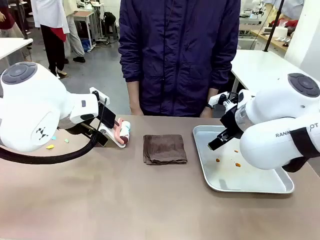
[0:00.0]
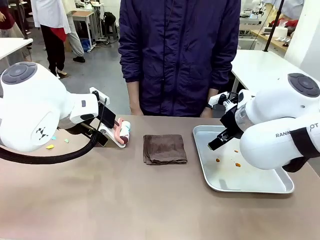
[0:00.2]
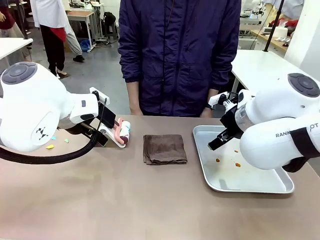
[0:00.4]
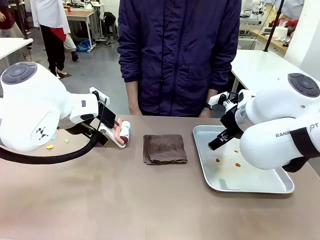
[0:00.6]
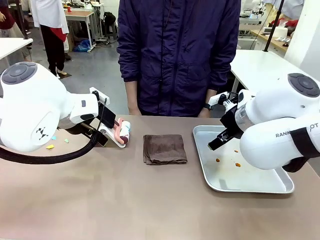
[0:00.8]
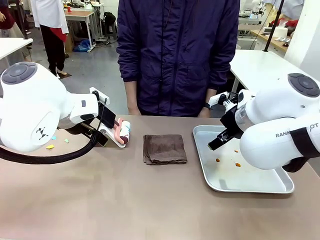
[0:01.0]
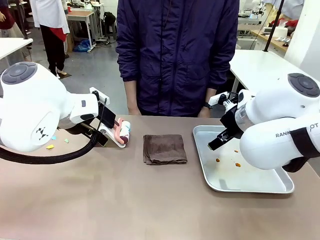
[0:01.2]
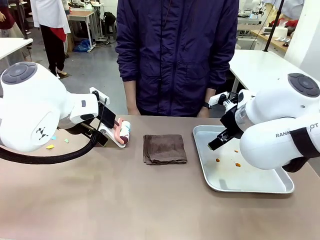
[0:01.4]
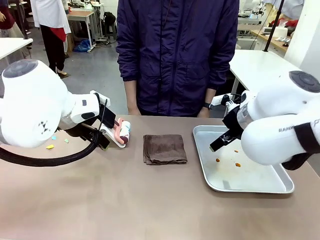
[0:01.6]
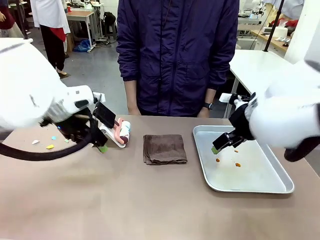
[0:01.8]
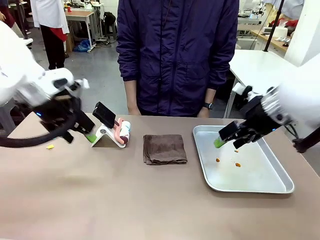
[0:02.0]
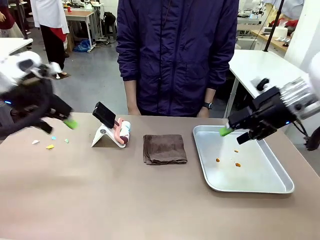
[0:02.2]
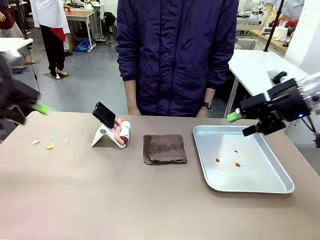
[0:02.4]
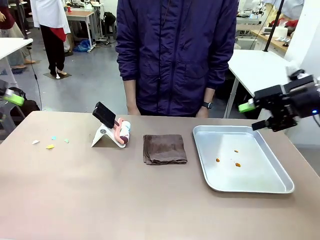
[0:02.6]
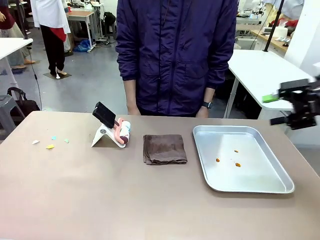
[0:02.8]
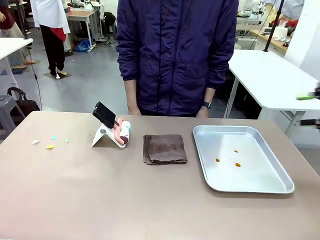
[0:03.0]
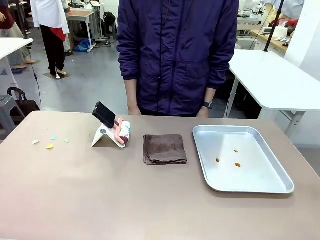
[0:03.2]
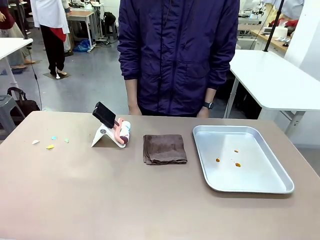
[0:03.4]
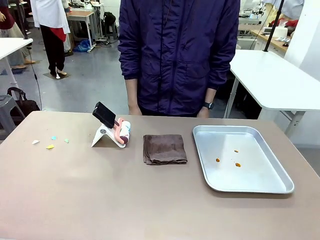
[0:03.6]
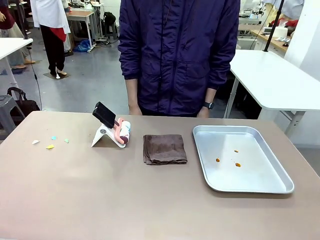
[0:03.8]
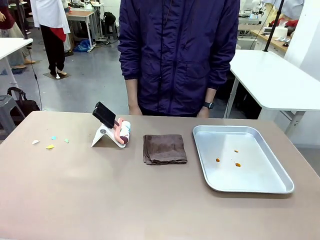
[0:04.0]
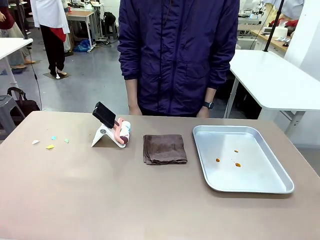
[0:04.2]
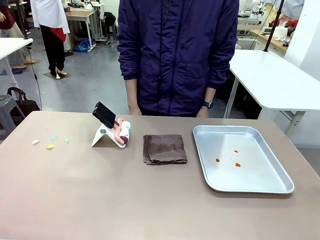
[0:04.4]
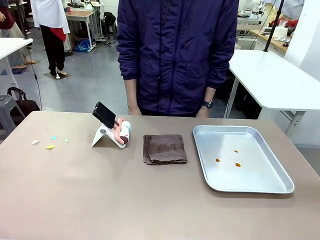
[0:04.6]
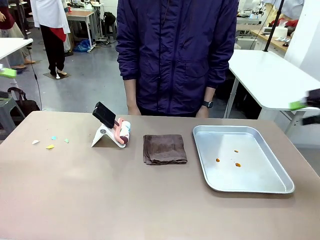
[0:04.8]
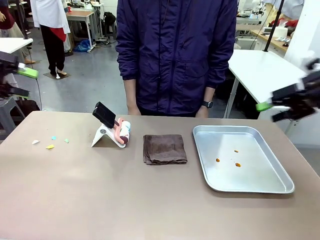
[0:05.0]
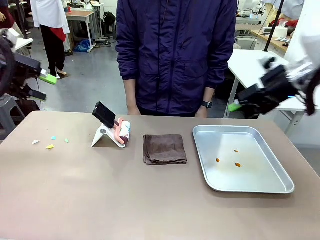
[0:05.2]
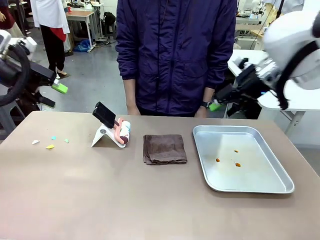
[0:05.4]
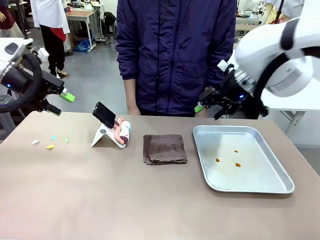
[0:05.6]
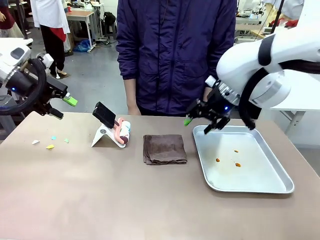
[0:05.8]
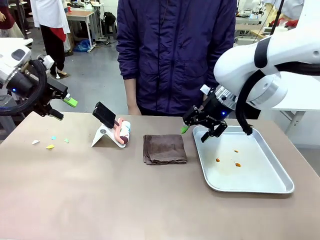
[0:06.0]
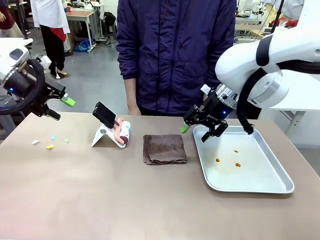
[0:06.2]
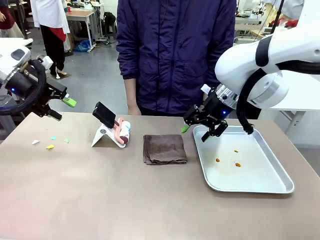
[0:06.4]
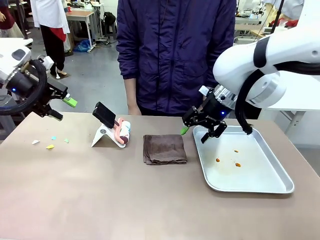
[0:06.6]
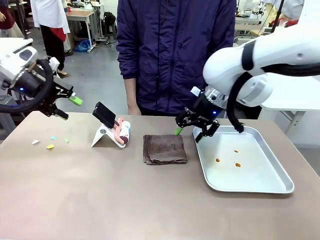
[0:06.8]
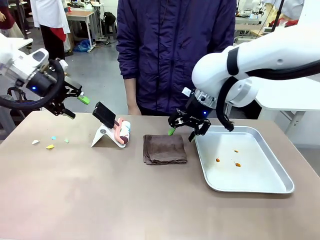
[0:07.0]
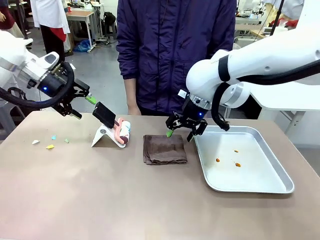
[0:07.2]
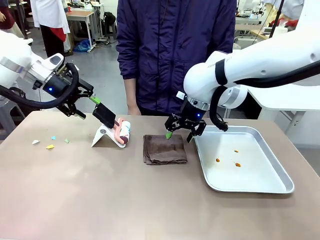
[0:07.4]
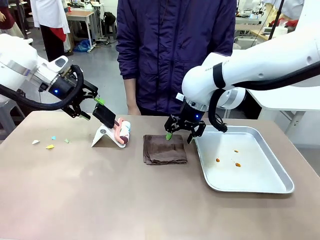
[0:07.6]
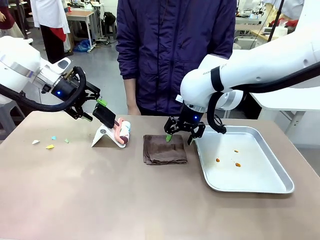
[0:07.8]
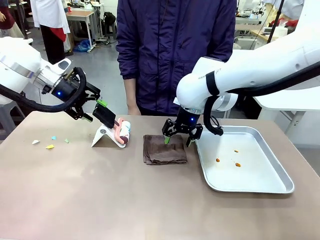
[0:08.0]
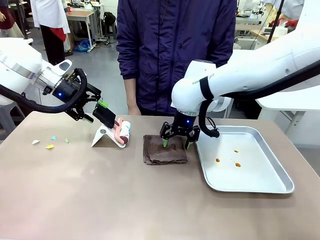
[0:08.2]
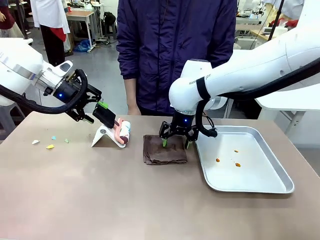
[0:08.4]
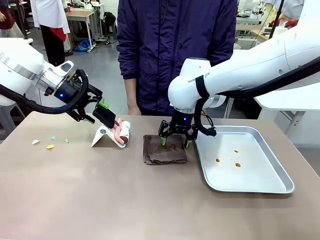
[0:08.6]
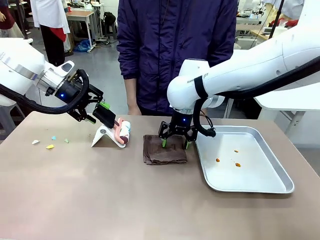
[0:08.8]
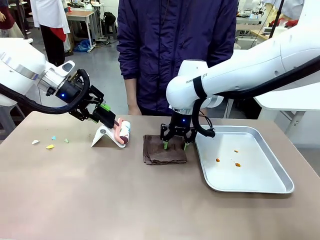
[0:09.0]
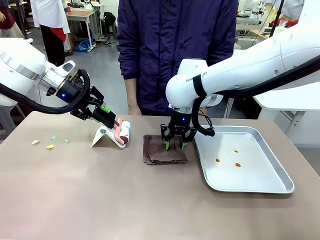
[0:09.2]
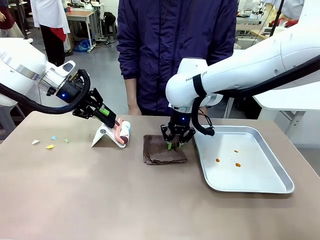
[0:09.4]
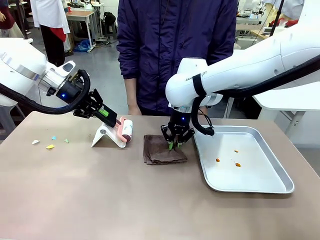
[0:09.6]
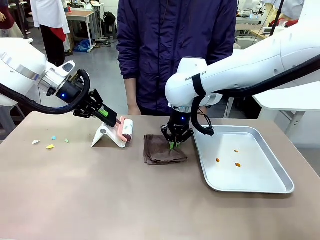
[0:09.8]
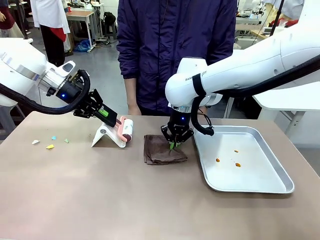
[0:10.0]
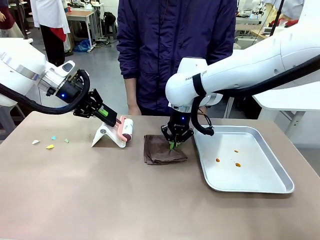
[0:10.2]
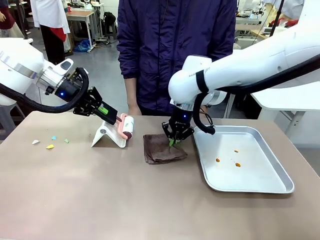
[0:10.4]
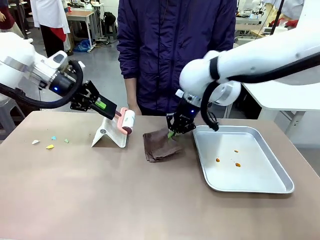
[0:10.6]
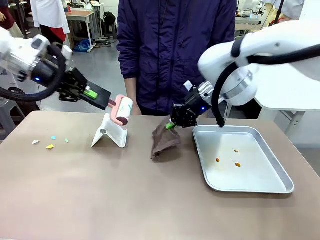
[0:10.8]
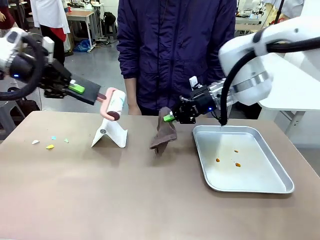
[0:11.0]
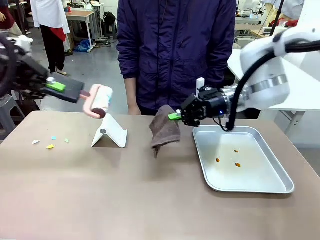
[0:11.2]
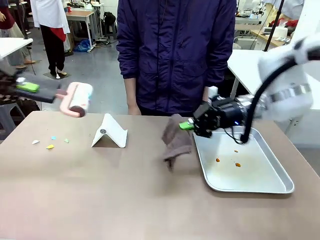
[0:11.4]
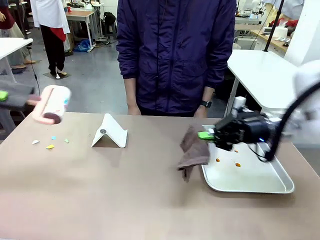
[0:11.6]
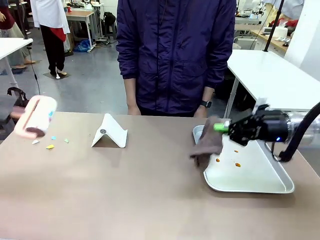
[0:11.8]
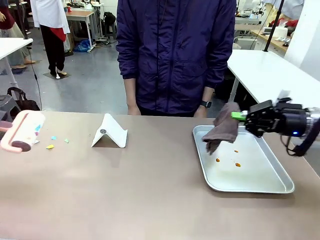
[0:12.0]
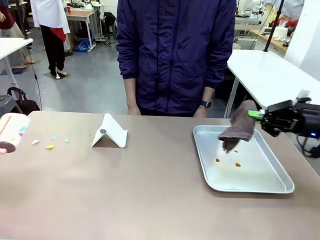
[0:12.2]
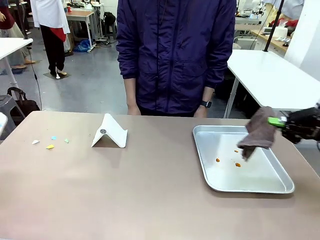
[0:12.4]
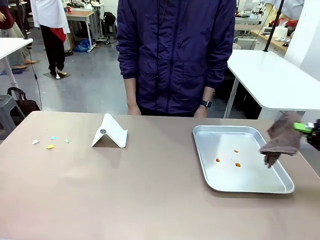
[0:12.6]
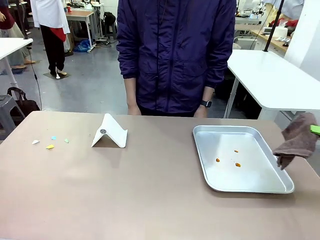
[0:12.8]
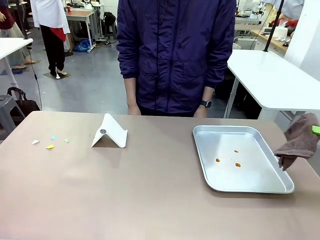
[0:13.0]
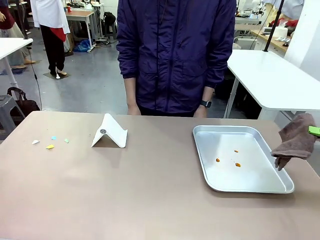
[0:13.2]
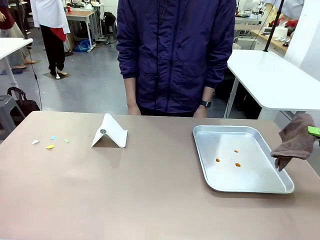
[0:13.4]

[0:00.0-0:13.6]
Task: Clean the surface of the table.
Robot: Hold the Lint Roller with your left hand and the towel with your right hand.

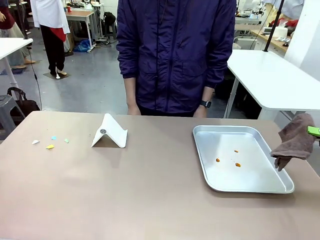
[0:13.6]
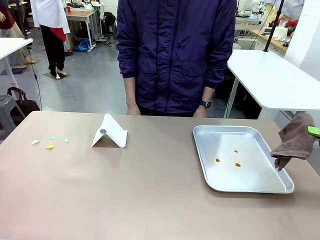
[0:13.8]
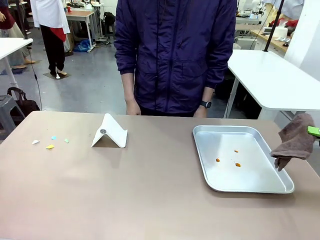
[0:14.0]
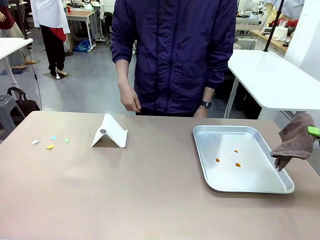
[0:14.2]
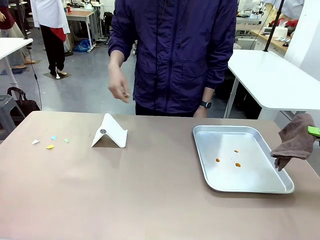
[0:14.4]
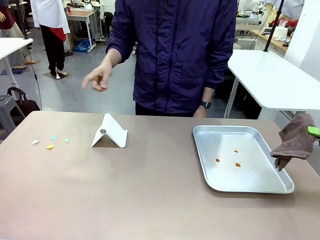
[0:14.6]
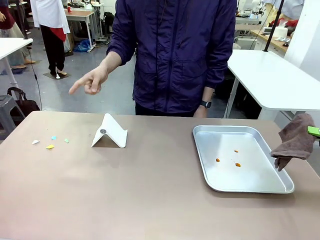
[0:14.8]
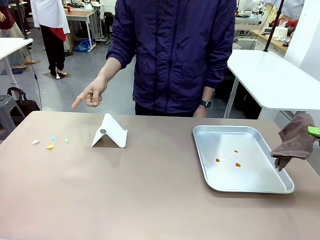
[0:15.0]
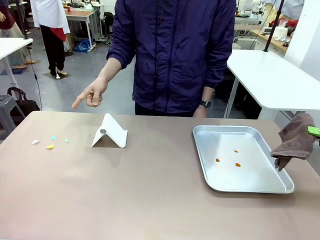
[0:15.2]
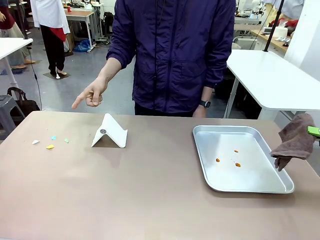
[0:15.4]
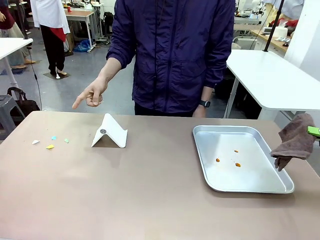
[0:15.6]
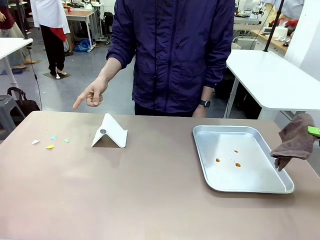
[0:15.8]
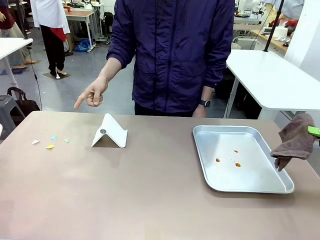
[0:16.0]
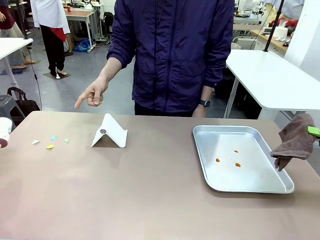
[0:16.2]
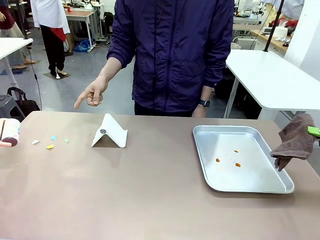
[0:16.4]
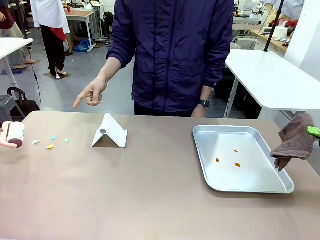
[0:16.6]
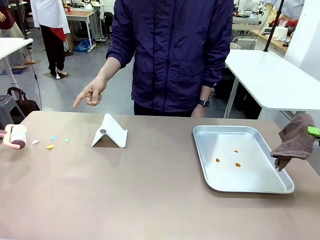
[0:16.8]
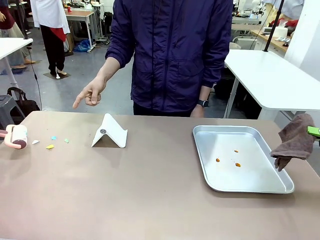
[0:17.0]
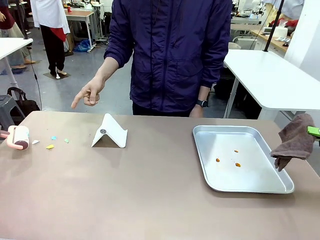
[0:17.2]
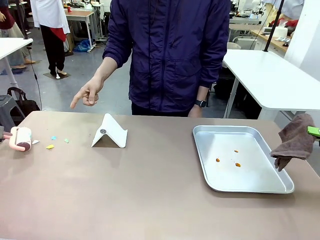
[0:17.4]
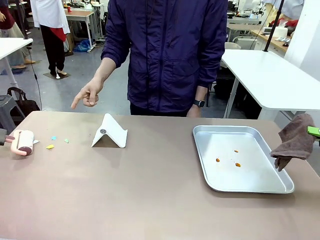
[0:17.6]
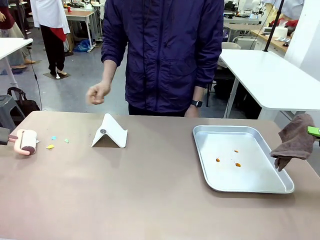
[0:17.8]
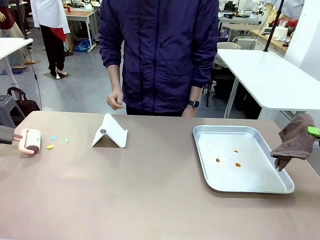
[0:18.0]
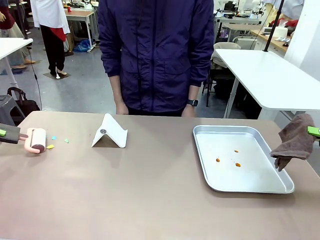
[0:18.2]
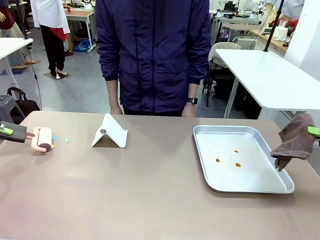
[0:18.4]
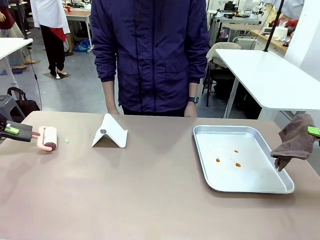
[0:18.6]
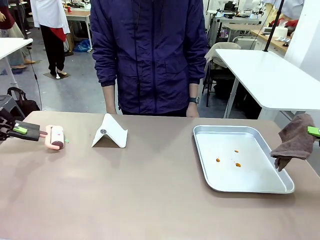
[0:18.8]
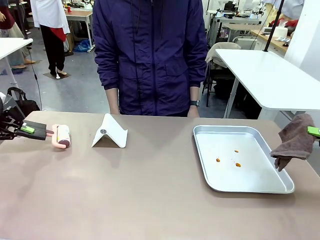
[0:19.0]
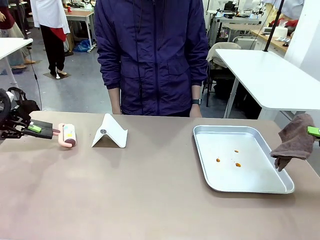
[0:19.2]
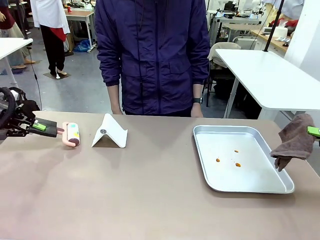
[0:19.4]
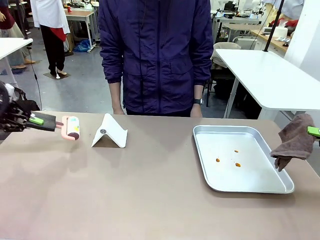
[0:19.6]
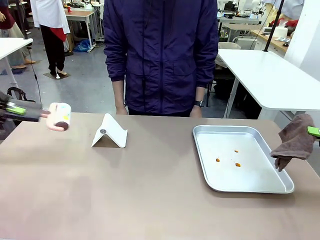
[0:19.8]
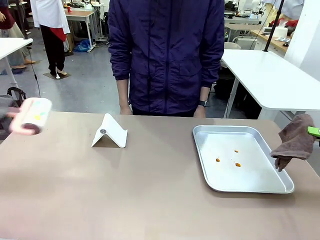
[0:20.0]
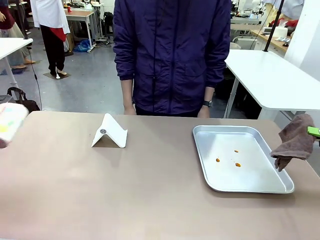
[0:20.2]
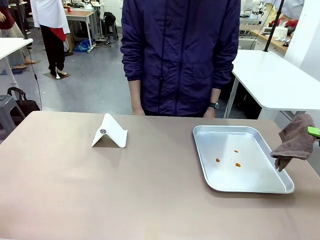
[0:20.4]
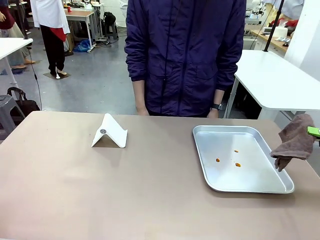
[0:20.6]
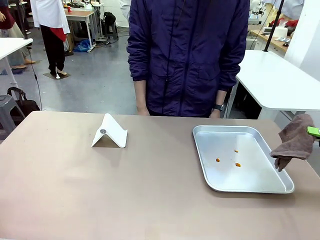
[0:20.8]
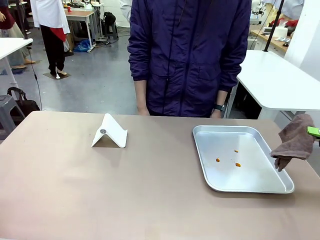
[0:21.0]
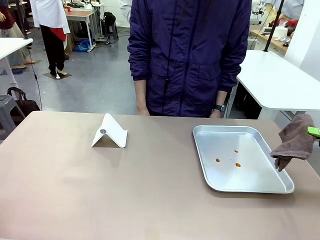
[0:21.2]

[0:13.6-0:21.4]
Robot: If a person points to the right, clean the right side of the table with your right hand, and if they point to the left, clean the left side with your left hand.
